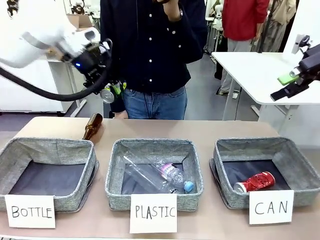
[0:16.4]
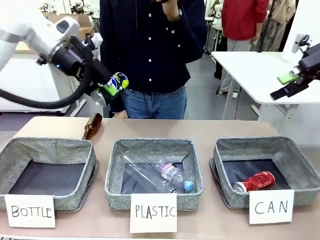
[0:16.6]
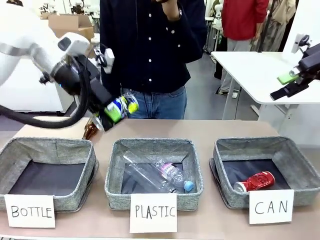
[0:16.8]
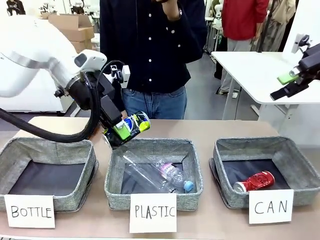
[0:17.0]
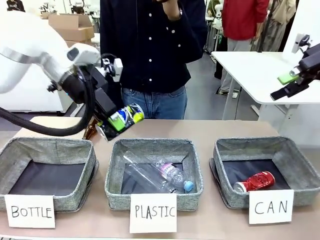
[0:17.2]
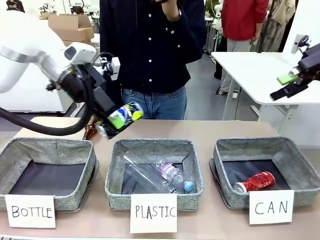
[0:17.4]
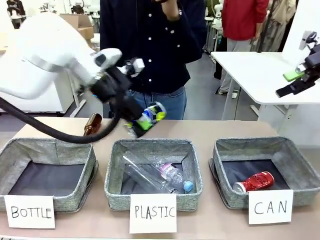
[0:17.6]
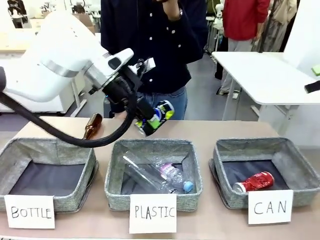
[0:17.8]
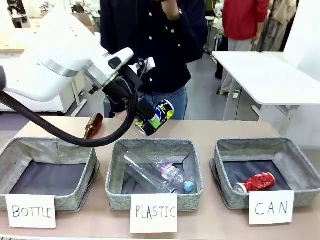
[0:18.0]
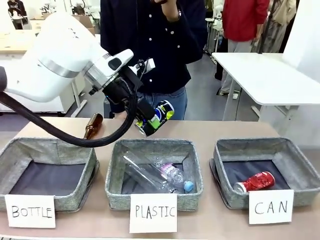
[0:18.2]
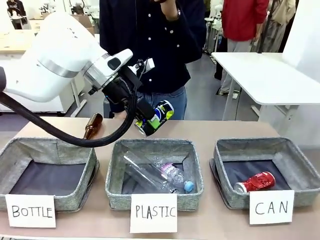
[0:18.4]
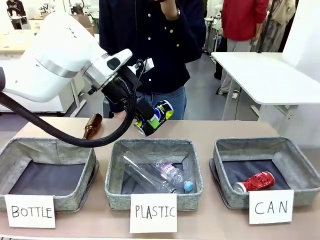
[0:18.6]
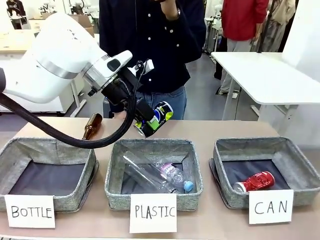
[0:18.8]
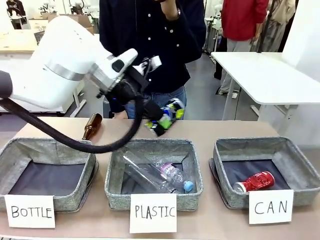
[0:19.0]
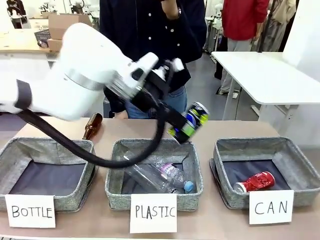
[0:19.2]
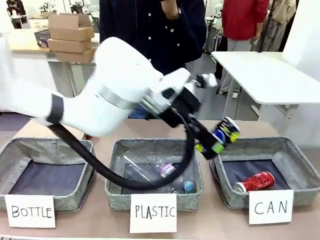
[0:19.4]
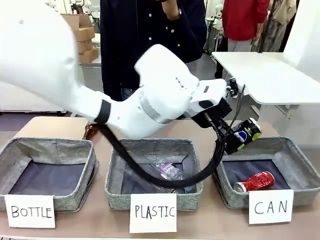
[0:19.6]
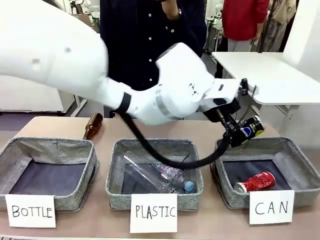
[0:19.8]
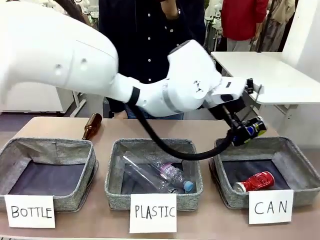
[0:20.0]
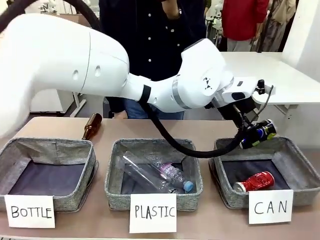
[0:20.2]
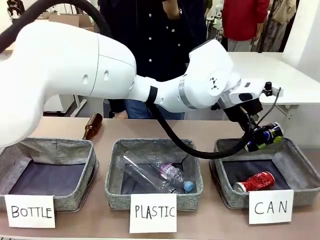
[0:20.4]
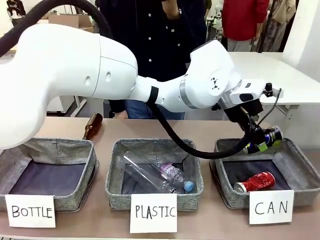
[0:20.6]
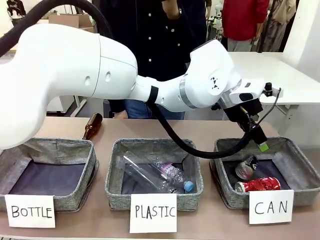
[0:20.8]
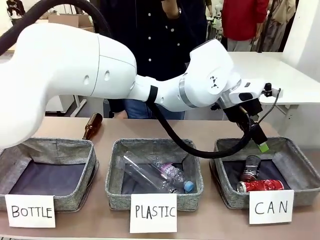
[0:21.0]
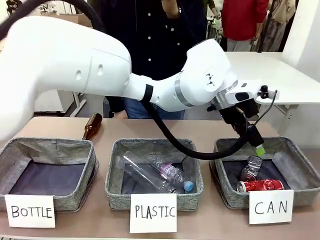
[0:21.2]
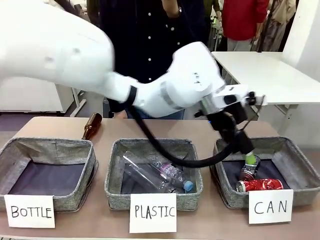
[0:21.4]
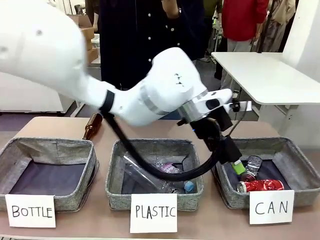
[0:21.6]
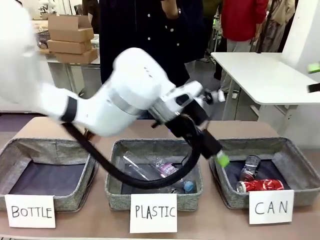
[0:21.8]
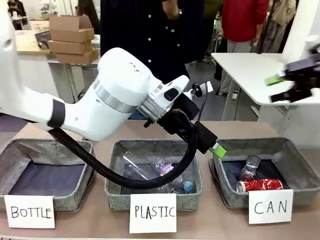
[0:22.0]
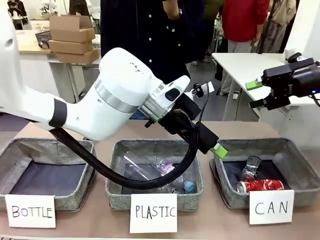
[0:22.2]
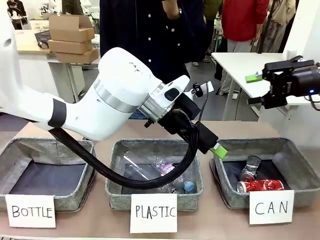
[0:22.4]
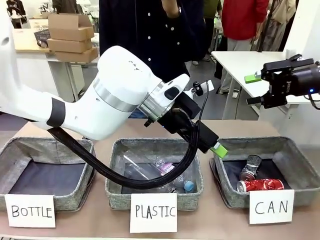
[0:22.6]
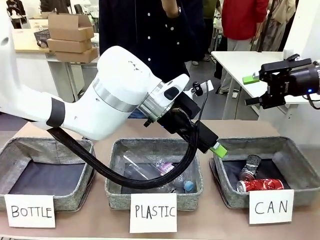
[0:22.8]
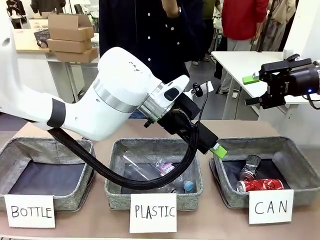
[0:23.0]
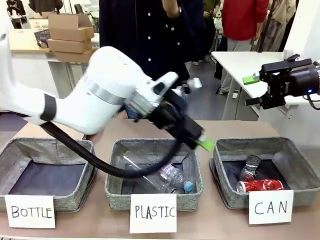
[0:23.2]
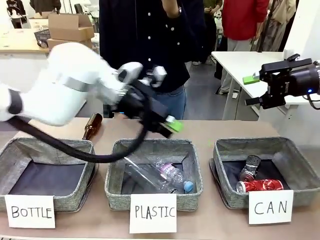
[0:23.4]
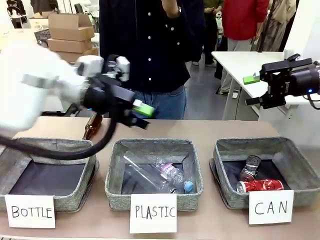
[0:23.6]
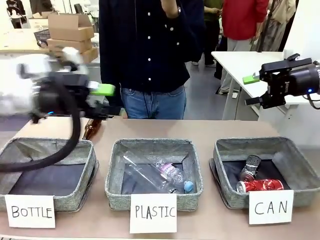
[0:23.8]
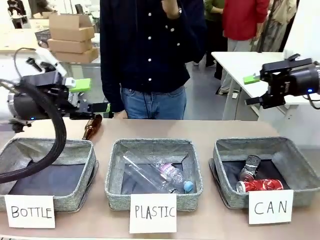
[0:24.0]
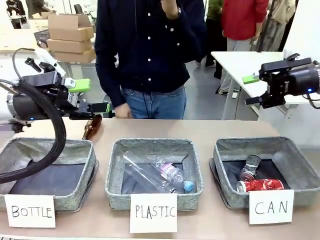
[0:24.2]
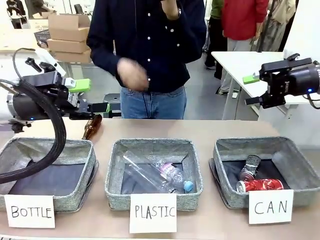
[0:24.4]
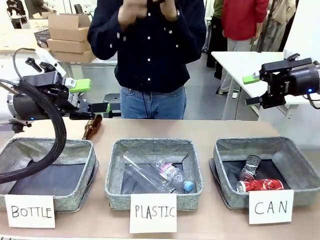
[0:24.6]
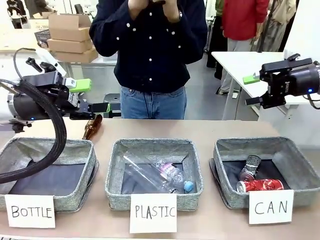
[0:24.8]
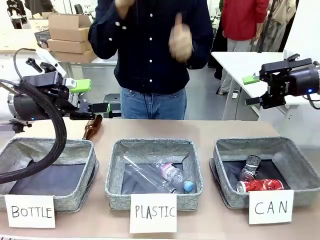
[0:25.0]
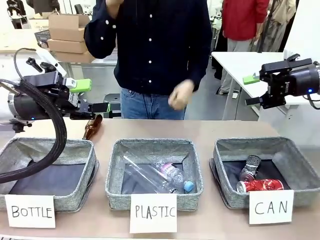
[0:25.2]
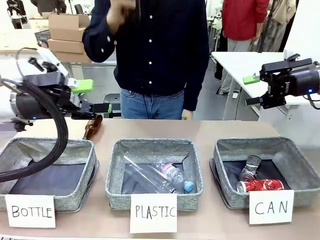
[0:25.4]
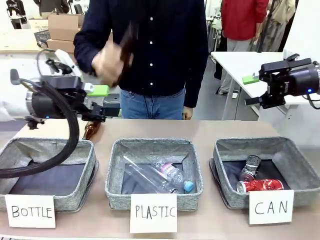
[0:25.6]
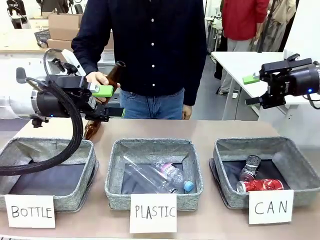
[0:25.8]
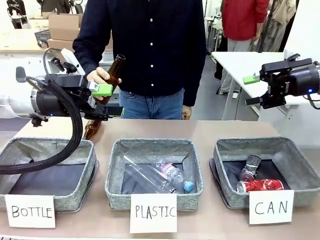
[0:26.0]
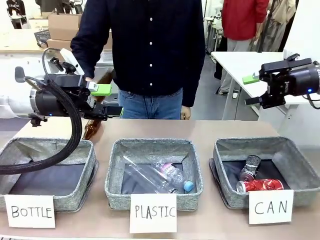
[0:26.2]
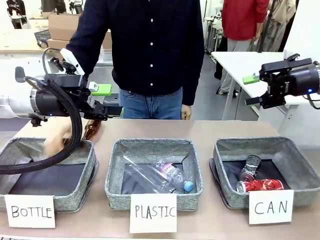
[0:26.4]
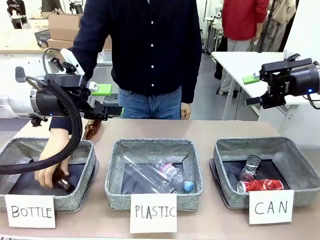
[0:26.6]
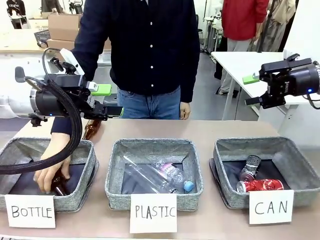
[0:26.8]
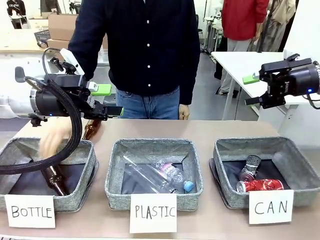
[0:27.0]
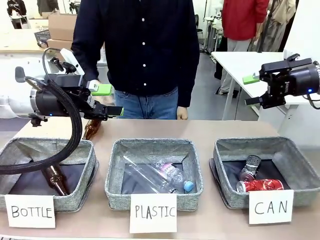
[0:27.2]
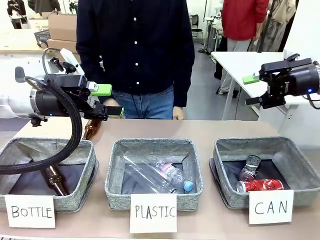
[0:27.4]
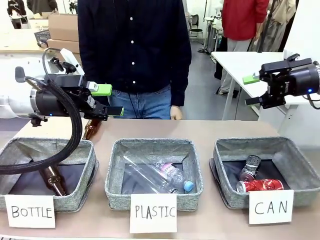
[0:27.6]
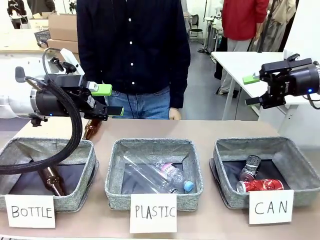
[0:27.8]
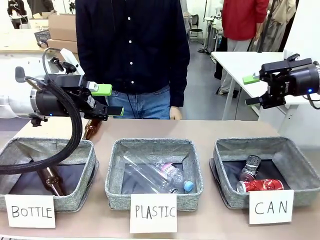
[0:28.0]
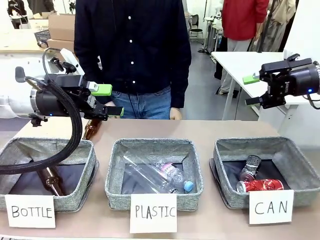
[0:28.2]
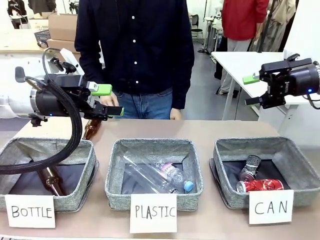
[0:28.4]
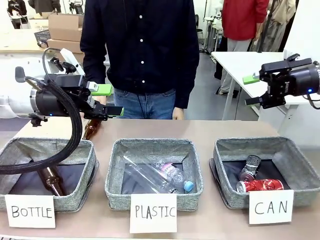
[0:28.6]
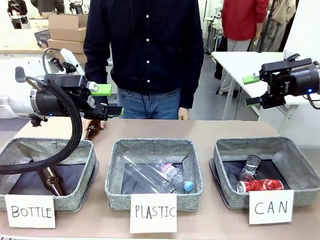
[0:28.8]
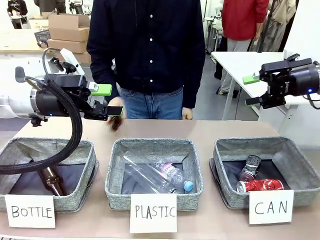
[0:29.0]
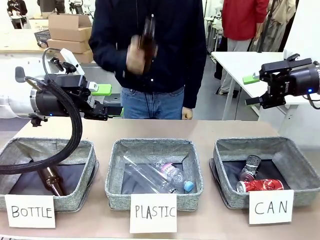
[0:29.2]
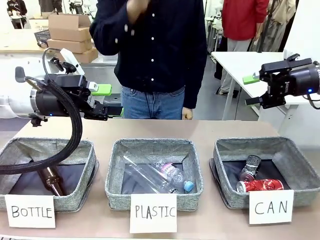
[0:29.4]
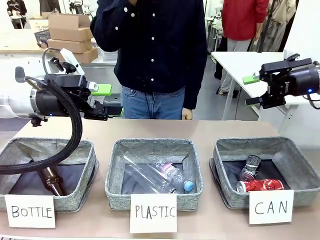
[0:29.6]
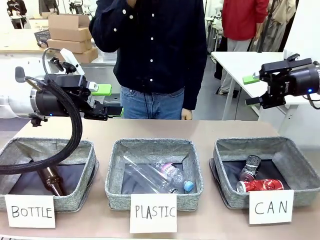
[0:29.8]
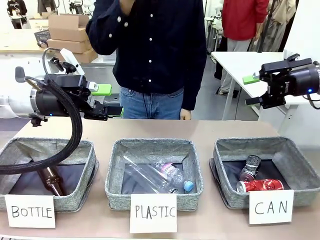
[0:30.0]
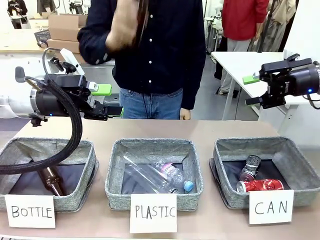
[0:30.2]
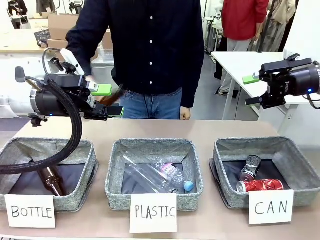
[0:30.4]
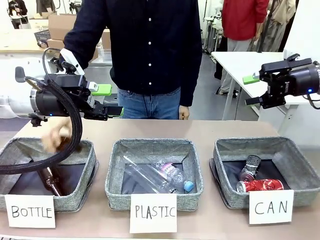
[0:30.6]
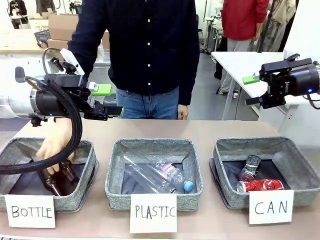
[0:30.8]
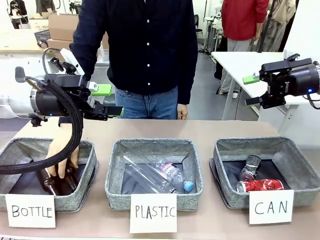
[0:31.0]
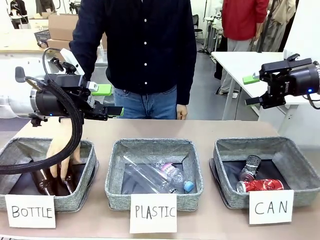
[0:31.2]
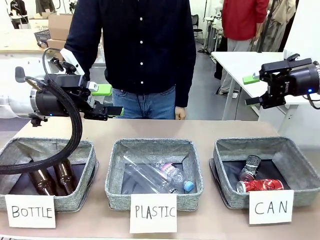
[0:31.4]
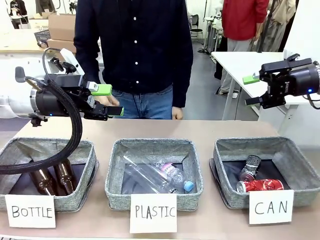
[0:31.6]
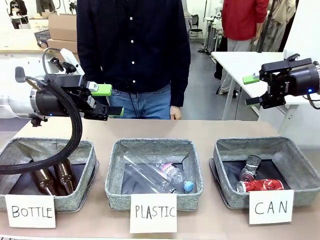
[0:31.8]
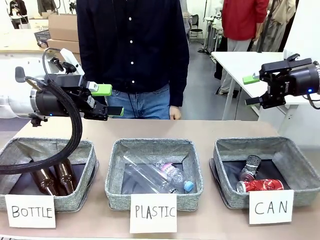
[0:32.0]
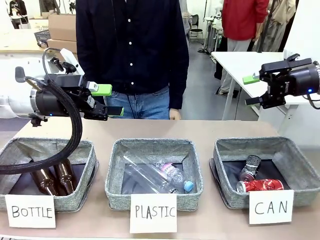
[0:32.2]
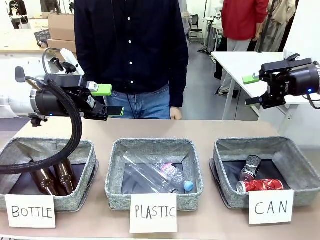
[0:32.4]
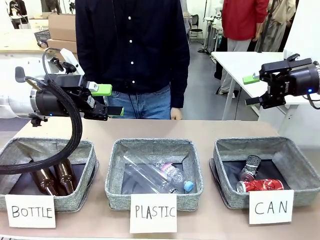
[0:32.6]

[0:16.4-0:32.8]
Task: Sort the can waste into the basket.
Robot: Pick up the can waste from the table and place it in the right Fabric basket.

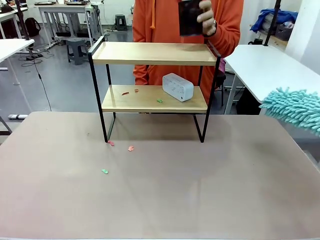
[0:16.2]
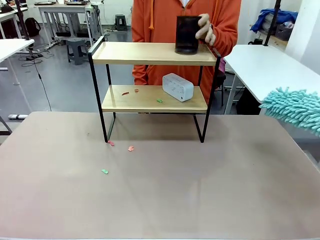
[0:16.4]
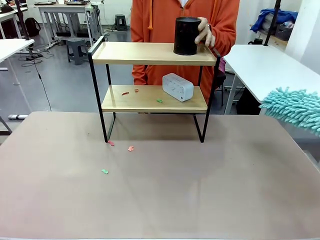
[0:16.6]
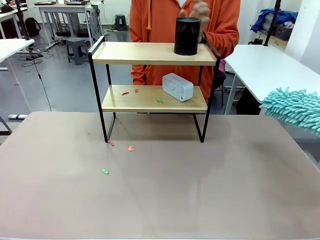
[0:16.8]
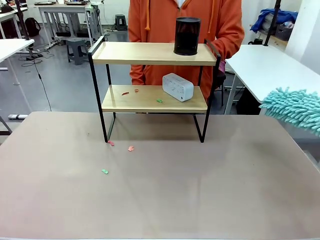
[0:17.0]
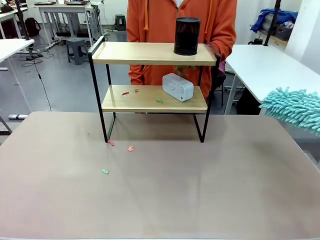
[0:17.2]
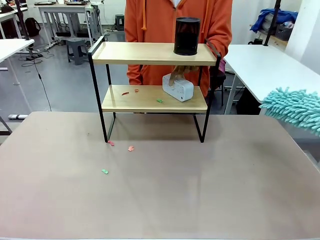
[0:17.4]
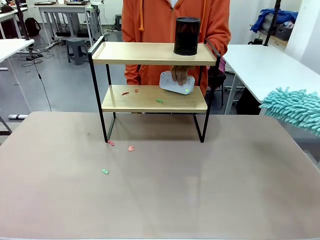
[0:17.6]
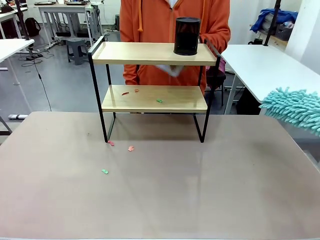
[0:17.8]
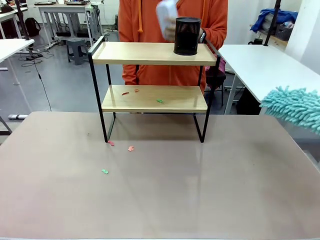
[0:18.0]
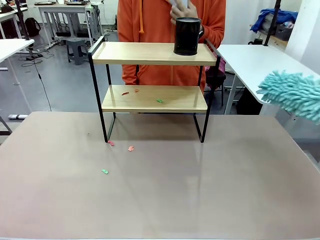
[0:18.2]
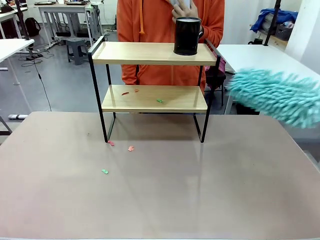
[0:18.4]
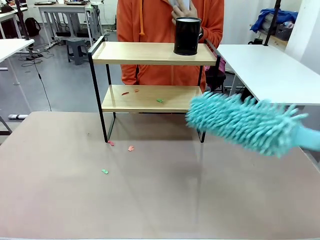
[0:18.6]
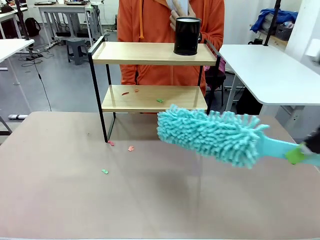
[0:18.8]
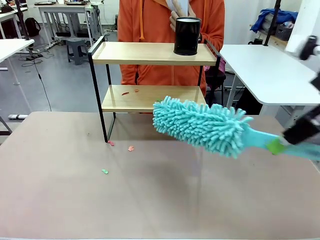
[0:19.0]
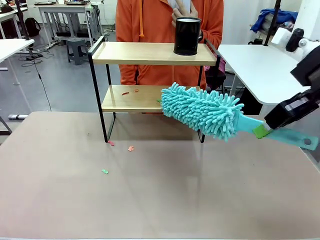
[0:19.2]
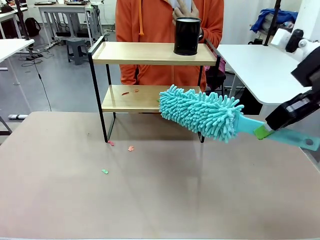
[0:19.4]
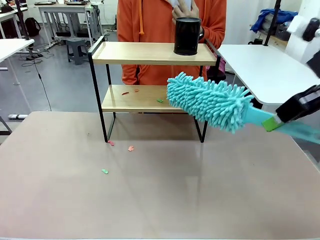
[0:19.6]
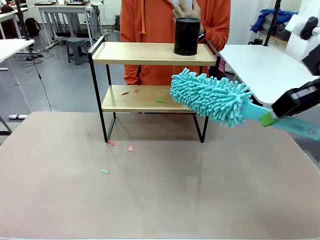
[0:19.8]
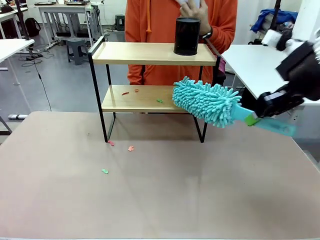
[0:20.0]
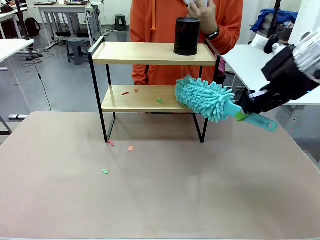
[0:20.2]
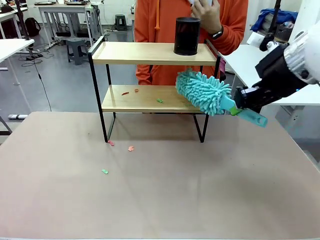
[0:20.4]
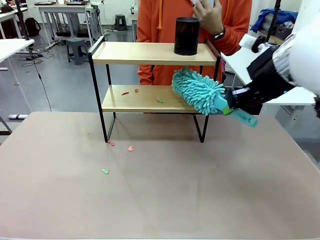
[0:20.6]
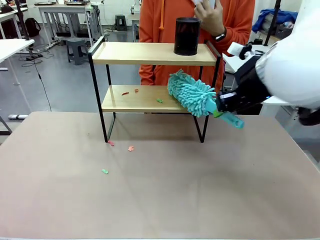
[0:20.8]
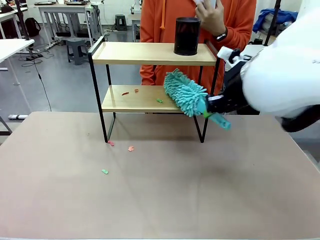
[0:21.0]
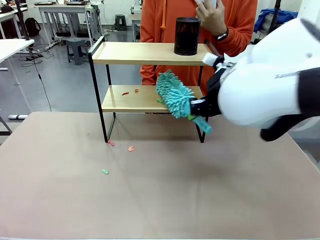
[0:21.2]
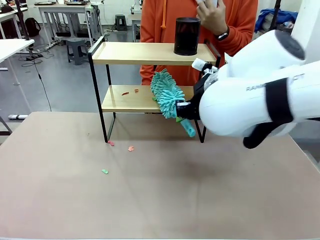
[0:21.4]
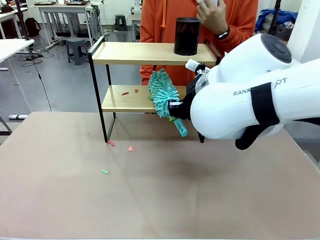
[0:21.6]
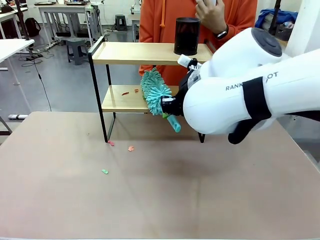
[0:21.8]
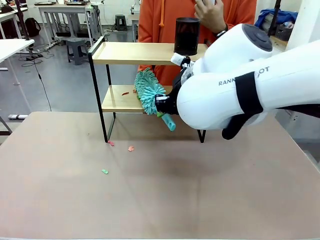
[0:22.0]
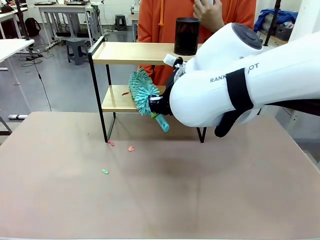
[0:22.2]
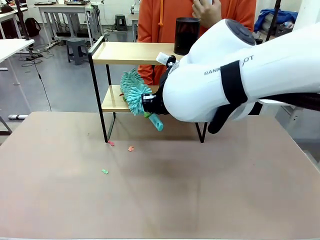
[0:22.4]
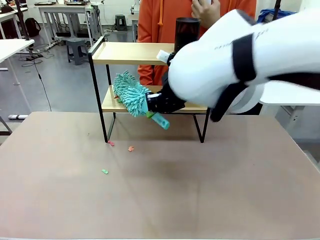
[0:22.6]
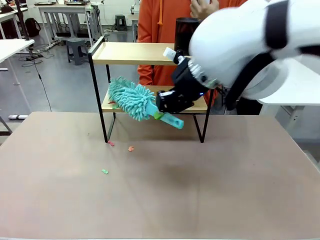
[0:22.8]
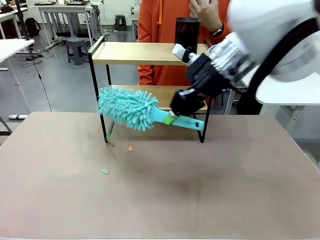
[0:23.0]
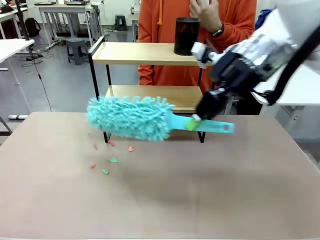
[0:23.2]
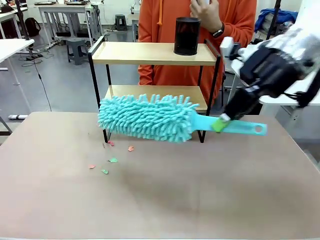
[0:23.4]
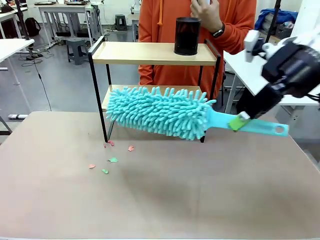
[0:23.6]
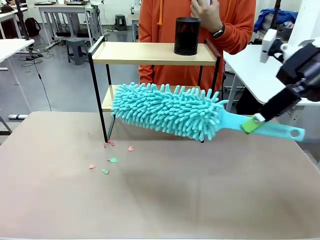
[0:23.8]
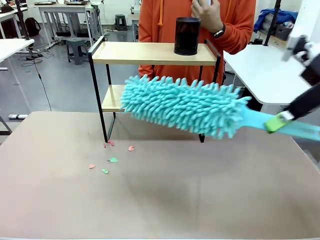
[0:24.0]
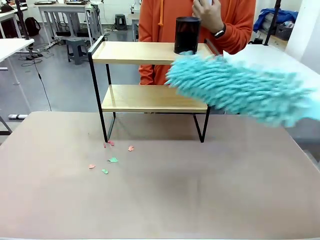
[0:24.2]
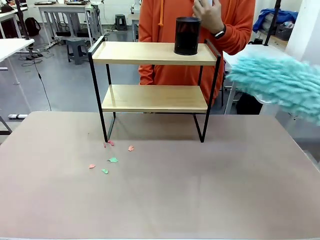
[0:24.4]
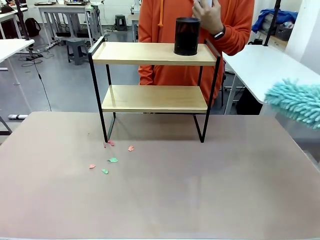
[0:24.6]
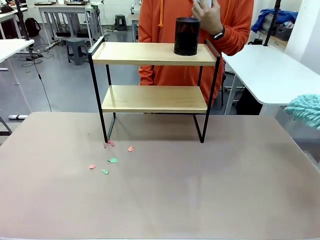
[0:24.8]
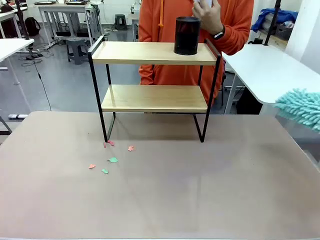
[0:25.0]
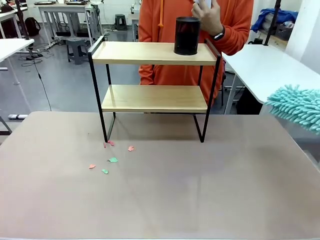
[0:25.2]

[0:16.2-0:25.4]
Task: Clean the shelf.
Robot: Clean the remaining tier of the Shelf with the Duster once objects are removed.
